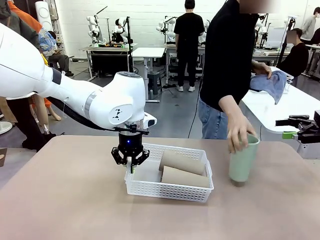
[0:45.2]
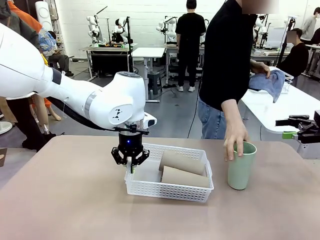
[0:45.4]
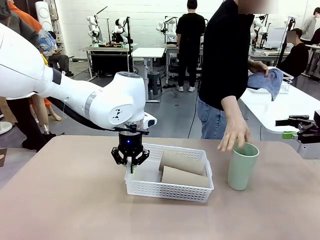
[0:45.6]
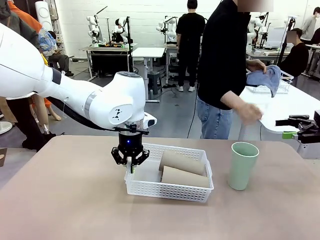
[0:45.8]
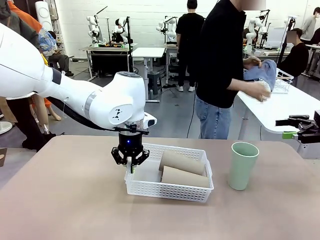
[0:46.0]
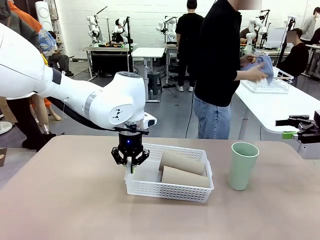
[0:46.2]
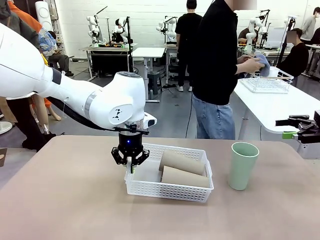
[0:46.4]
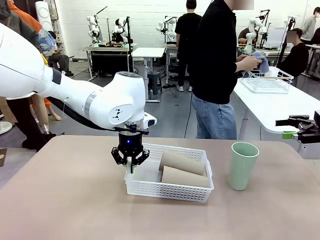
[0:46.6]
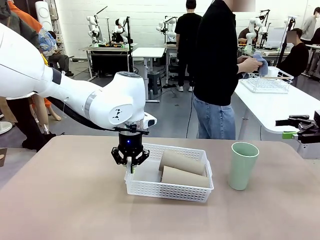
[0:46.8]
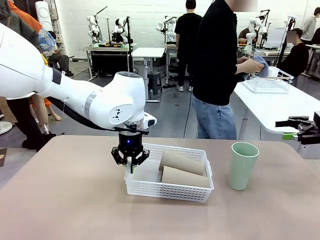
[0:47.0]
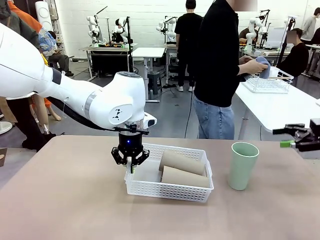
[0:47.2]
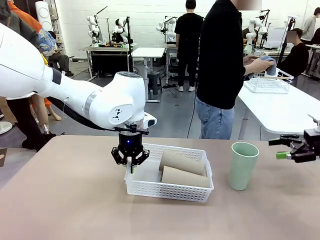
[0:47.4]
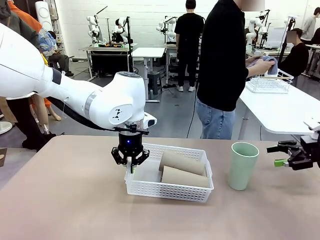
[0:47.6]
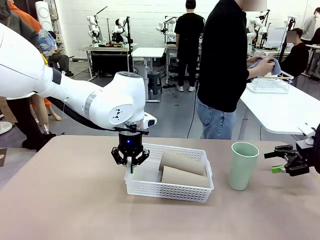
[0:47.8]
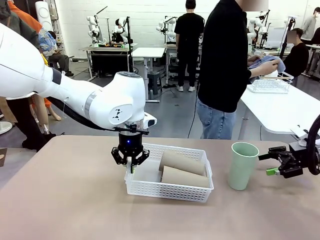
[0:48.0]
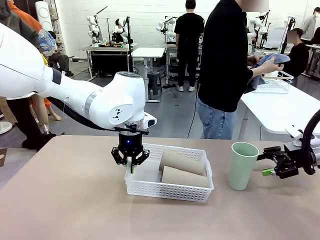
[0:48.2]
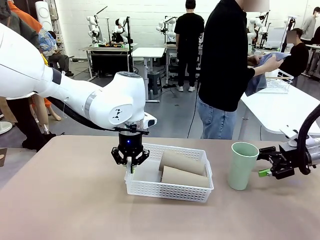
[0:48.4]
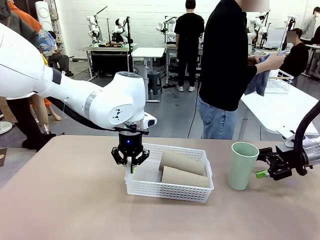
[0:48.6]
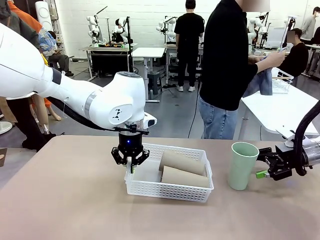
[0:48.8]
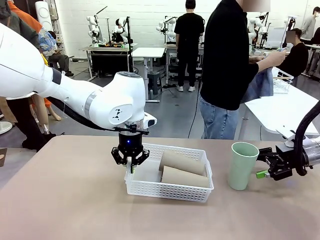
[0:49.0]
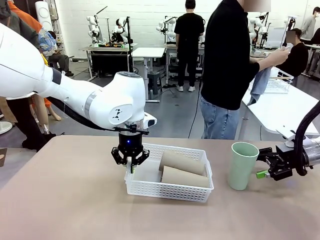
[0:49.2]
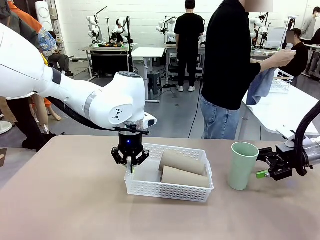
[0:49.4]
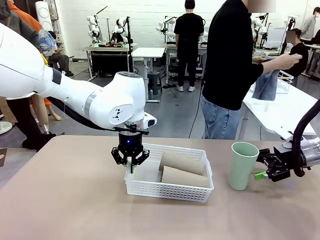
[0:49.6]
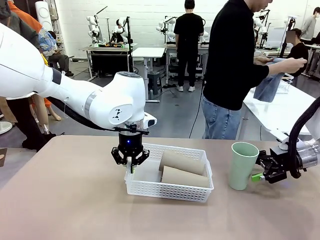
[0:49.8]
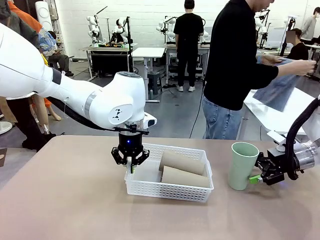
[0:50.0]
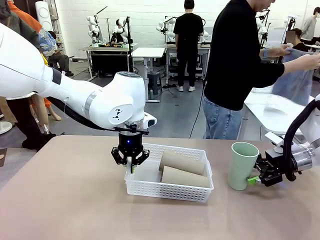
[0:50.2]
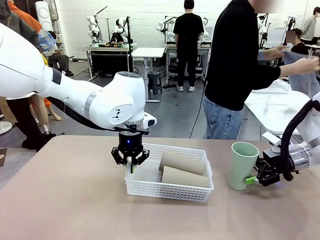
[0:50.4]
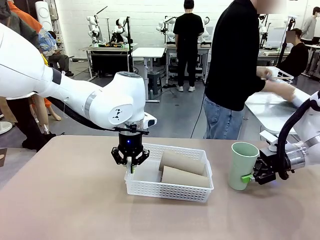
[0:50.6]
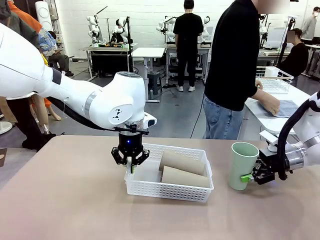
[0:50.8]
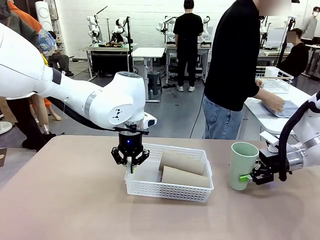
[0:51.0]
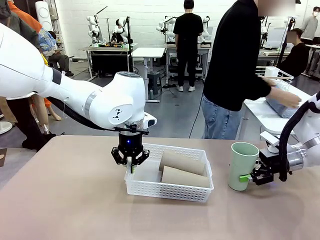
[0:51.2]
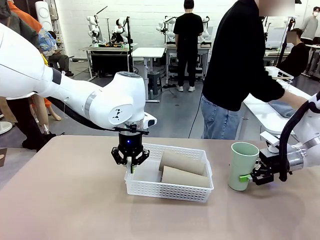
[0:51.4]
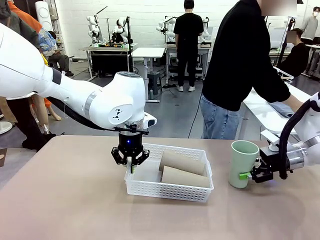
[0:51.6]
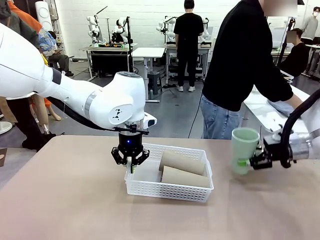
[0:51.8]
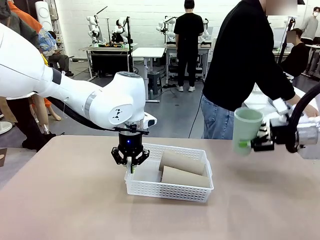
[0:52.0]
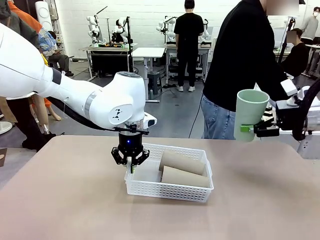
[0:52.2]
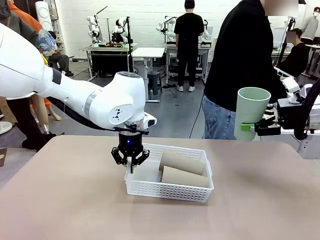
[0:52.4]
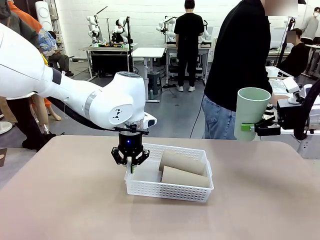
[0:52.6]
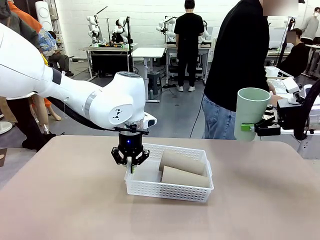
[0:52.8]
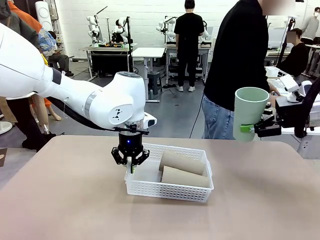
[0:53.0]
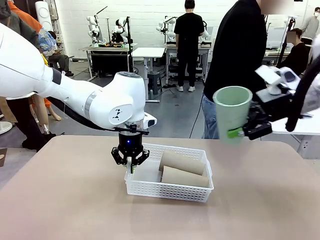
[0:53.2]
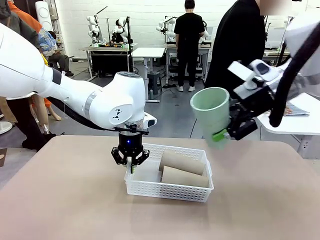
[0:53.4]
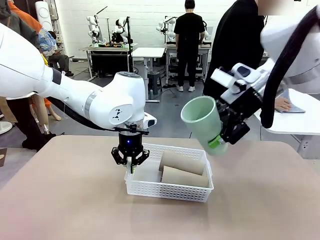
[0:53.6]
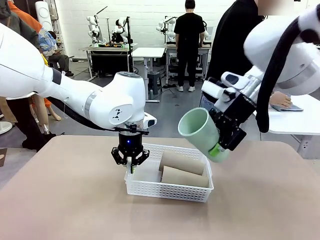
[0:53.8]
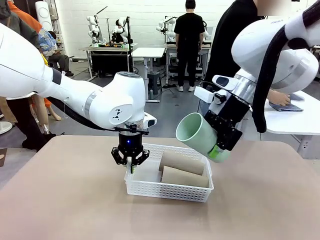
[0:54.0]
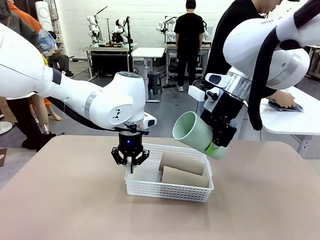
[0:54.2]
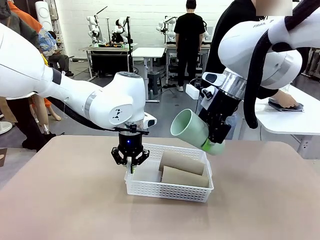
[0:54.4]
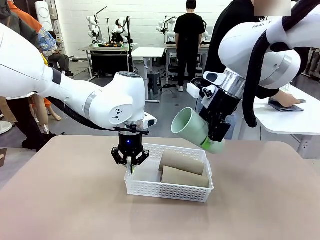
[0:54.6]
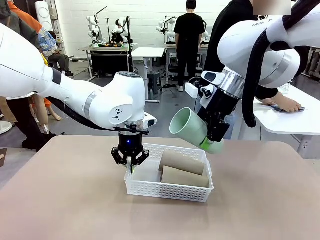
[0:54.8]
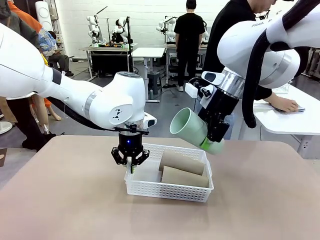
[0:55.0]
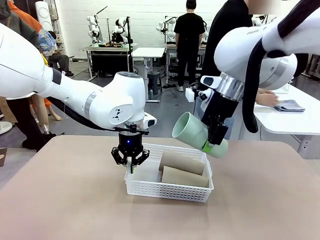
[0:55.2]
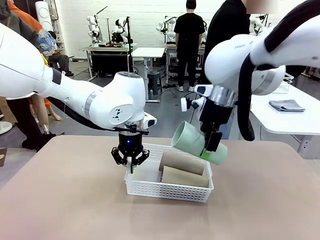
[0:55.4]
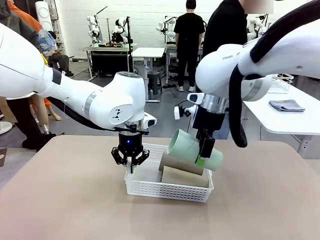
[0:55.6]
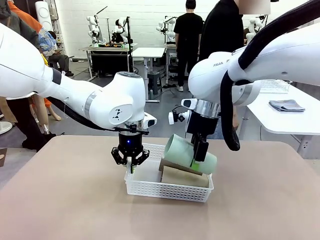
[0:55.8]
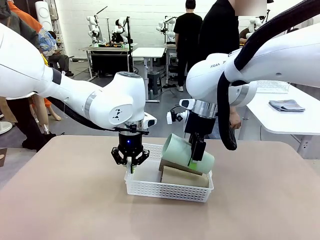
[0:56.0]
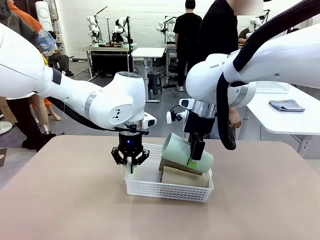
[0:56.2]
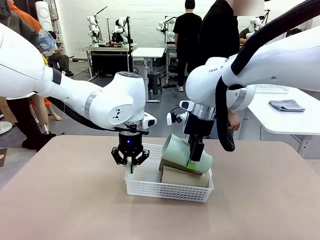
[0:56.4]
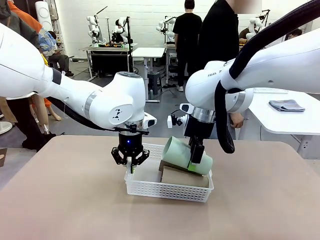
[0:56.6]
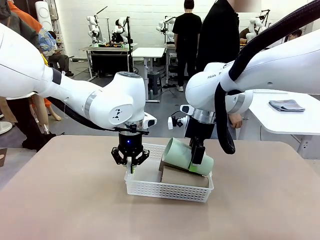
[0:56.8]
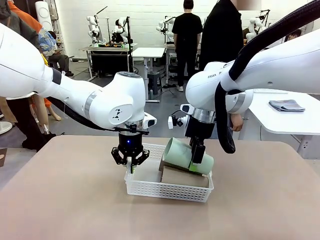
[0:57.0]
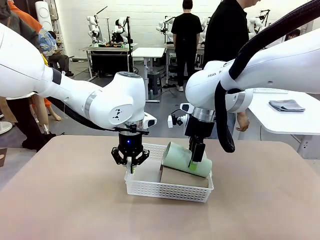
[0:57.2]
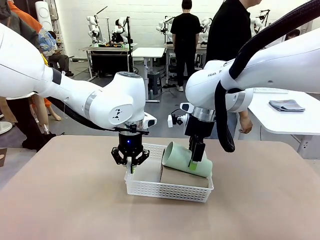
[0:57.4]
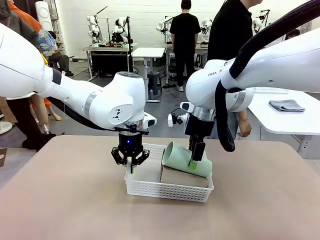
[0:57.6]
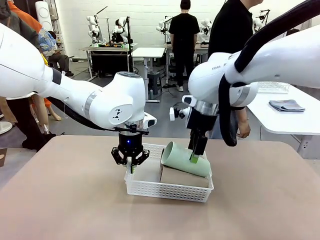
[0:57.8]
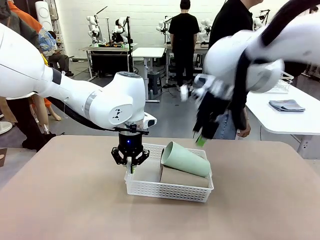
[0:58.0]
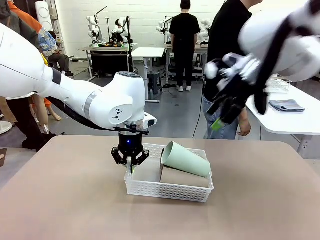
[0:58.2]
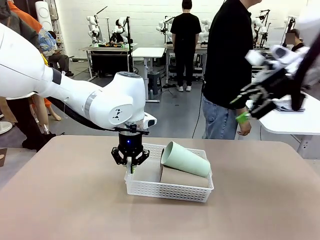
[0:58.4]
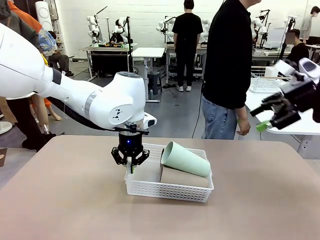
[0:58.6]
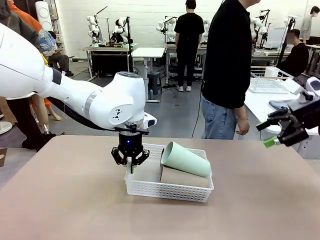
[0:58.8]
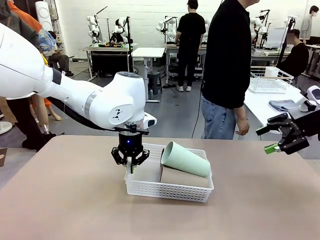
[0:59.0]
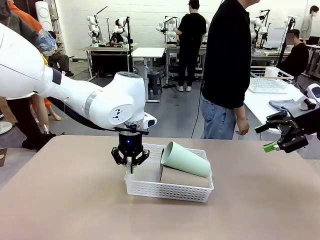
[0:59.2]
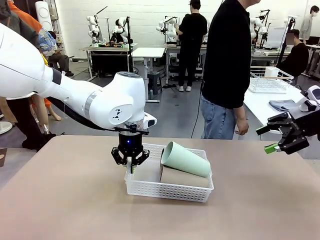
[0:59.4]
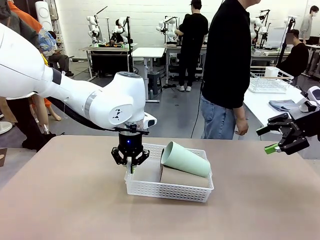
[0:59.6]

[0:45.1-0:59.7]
Task: Clean and organize the cups into the basket.
Robot: Pick up the Reusable plastic cup from the right side of the table and stack it inside the Organizing basket in the center of the table.
